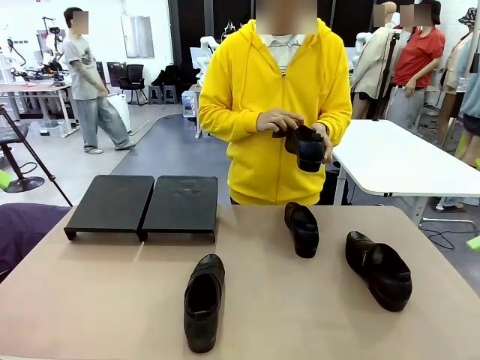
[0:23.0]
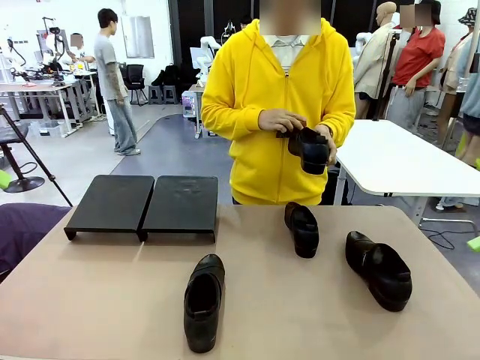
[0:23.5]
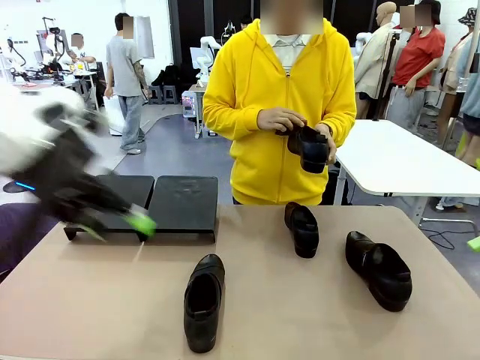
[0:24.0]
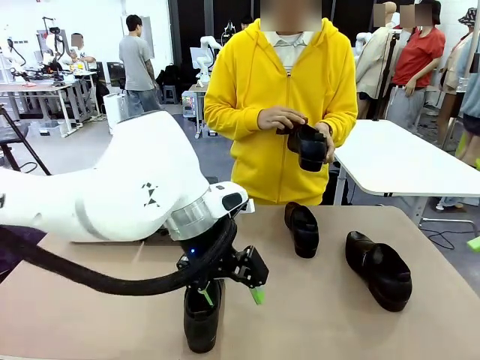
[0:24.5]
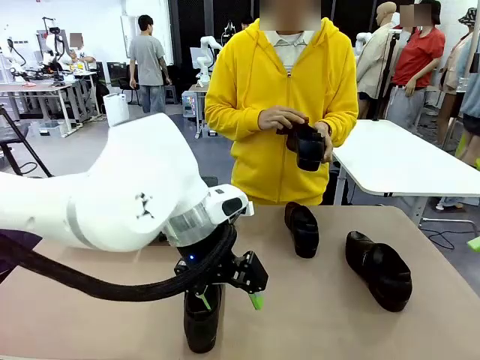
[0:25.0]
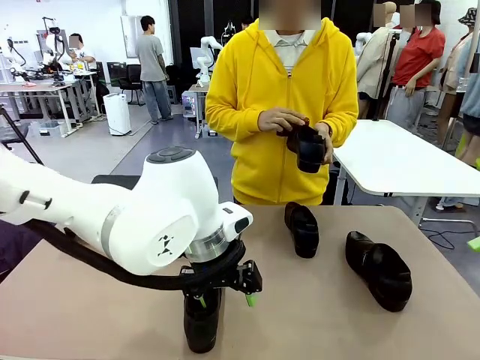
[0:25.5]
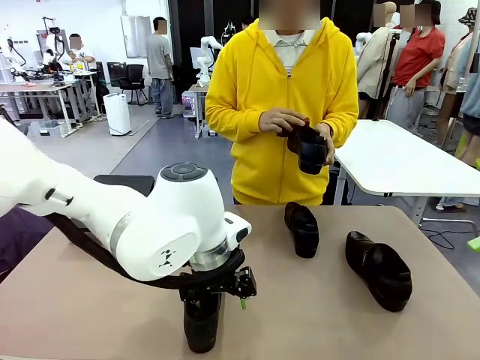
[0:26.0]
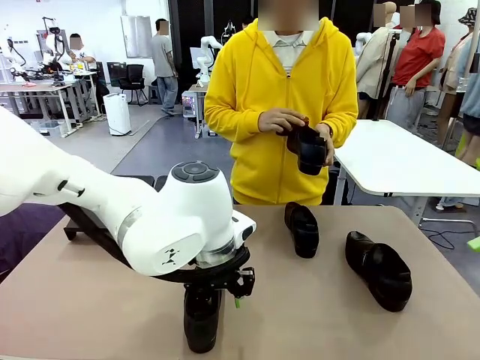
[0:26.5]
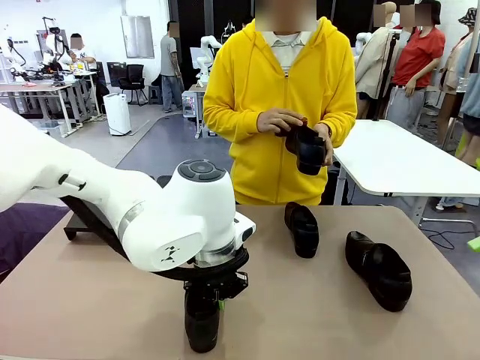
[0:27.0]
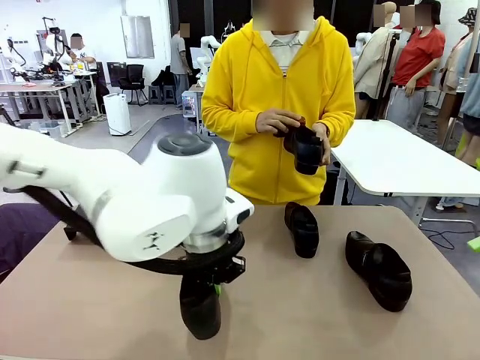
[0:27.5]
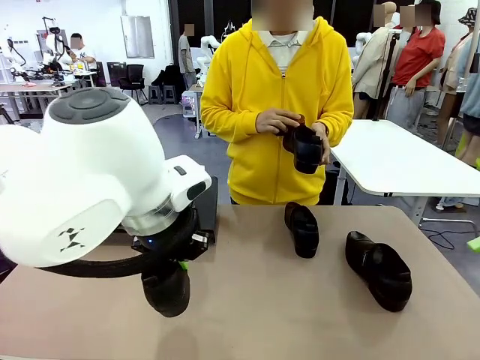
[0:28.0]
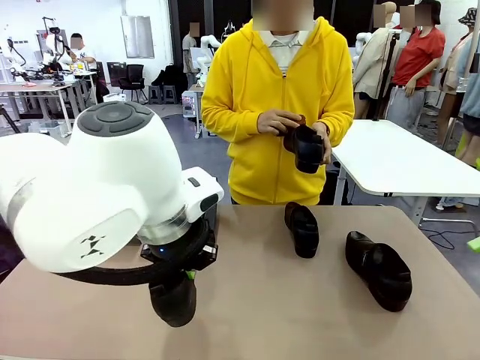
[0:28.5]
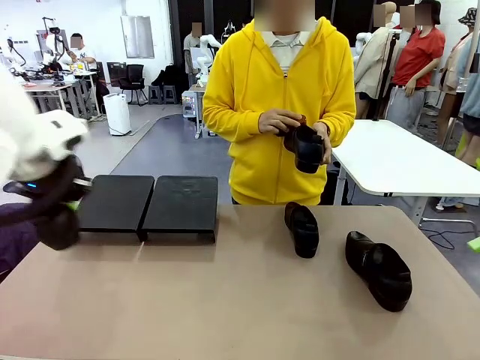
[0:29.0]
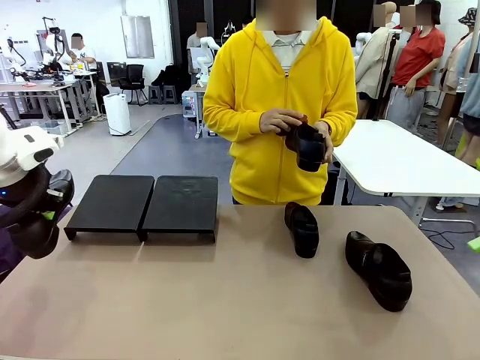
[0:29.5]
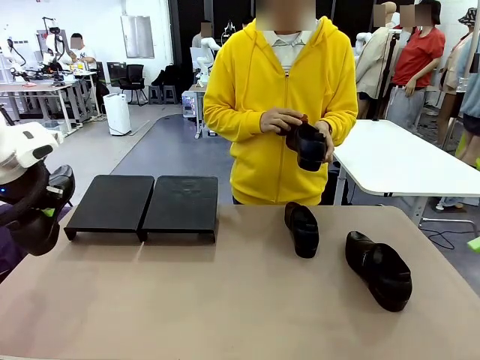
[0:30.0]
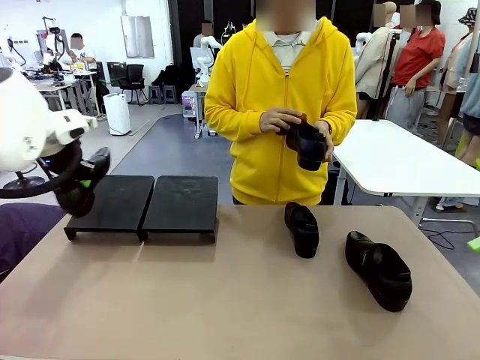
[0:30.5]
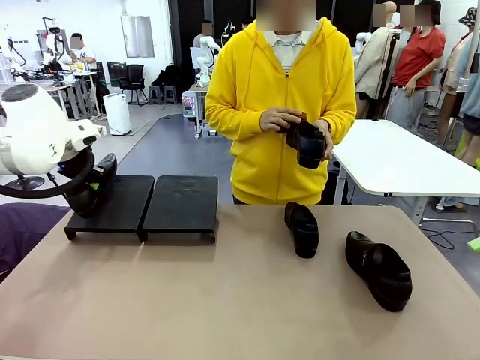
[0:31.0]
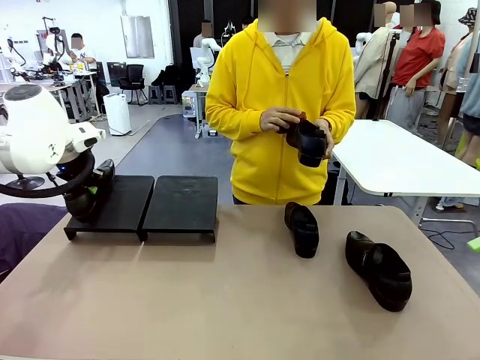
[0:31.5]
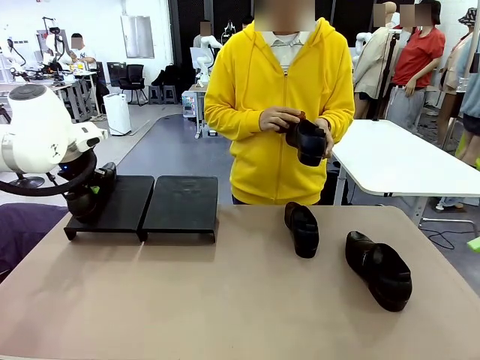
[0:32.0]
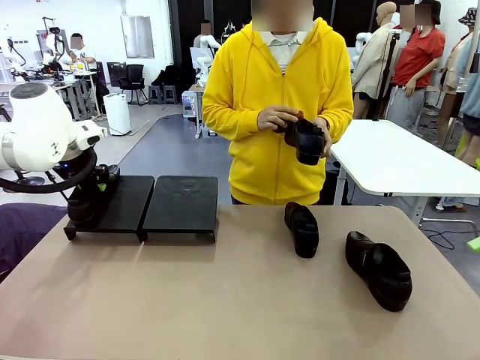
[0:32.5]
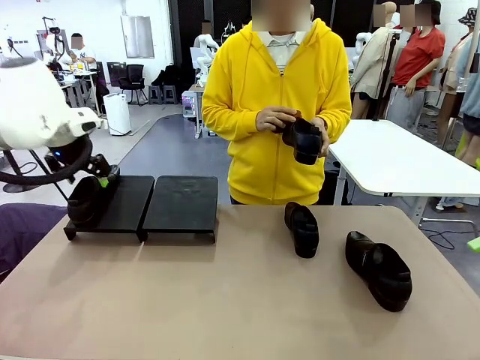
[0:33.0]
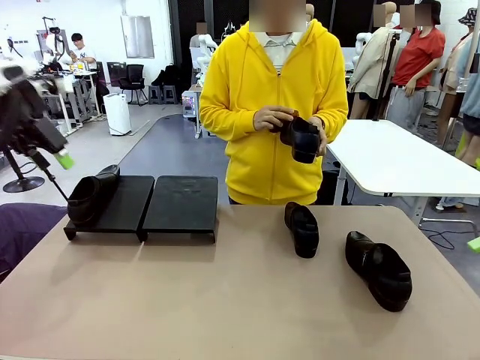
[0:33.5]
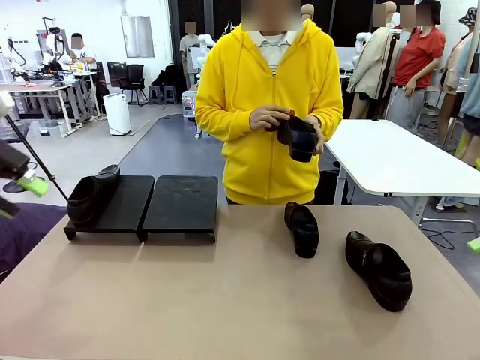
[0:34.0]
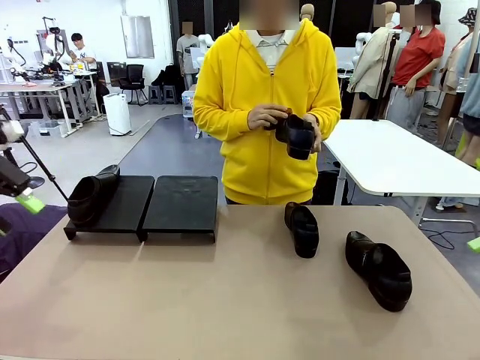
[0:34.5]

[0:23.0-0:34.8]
Task: Organize the shoes by placing them on the stand.
Robot: Place the Shoe from the middle of the table onto the Shoes Stand.
Person: Clean the Shoe with the Shoe Brush.

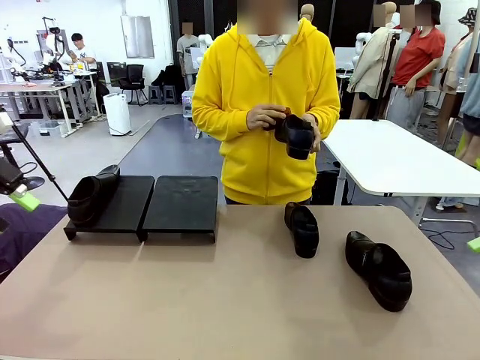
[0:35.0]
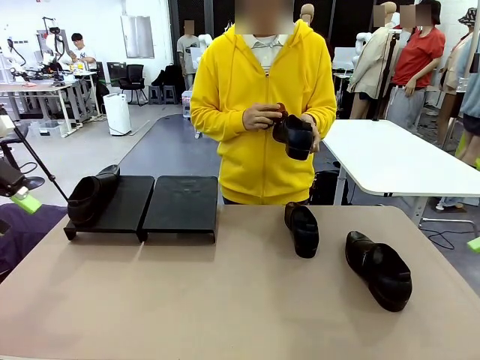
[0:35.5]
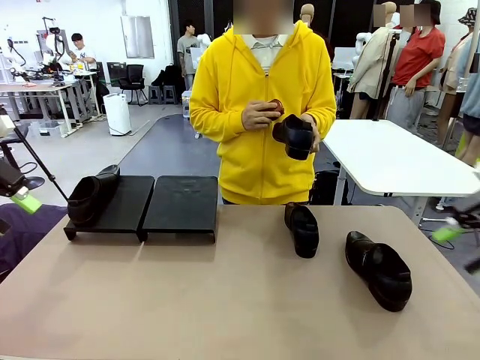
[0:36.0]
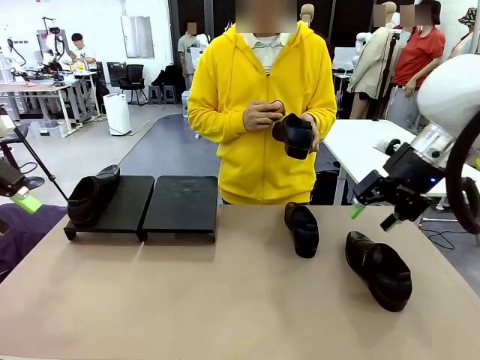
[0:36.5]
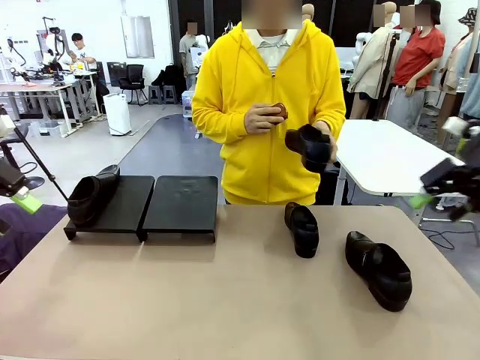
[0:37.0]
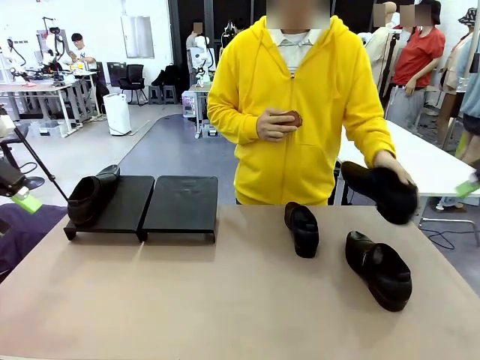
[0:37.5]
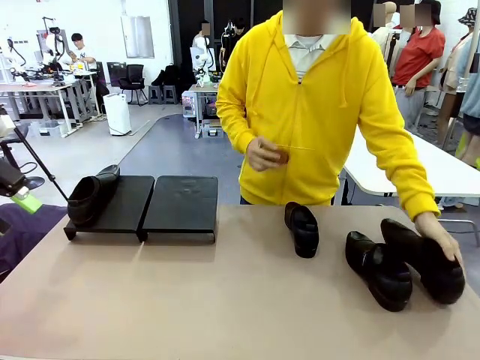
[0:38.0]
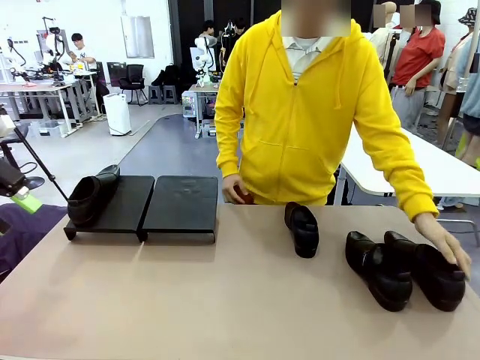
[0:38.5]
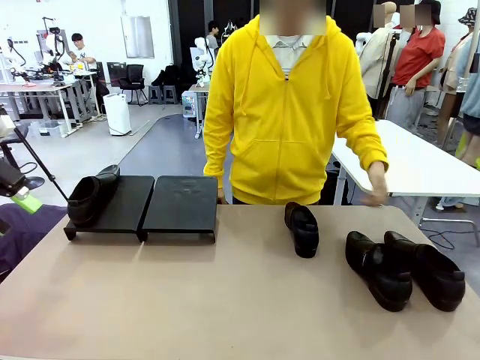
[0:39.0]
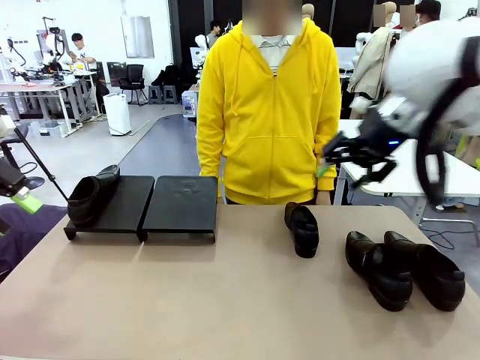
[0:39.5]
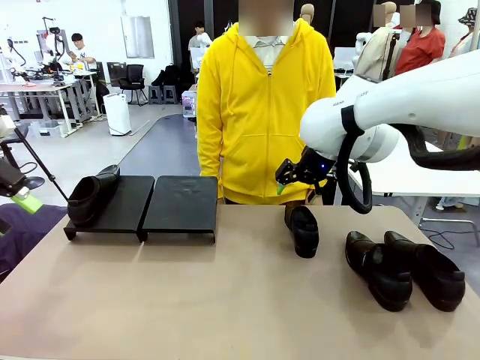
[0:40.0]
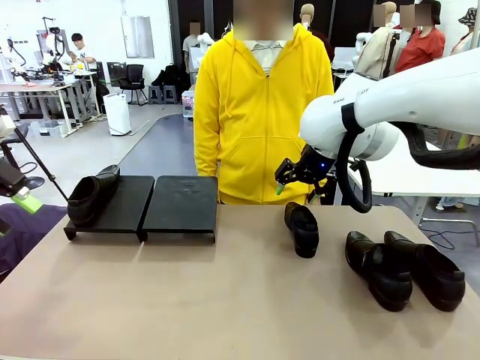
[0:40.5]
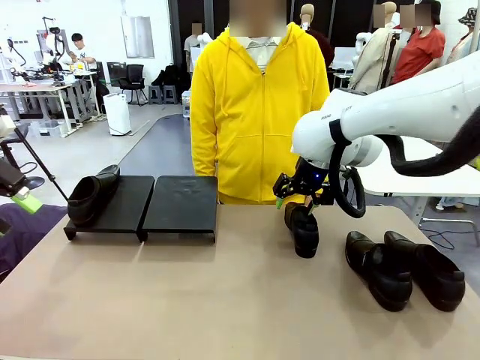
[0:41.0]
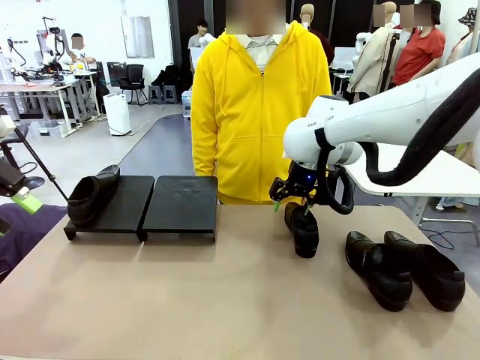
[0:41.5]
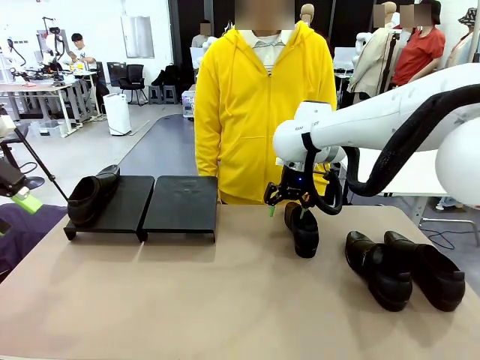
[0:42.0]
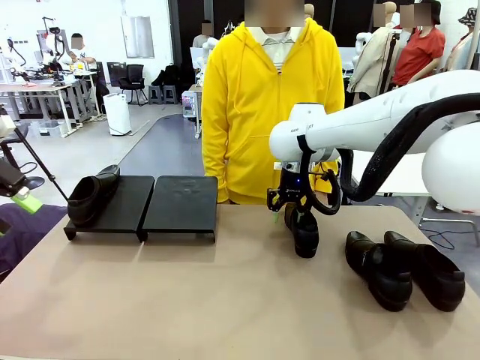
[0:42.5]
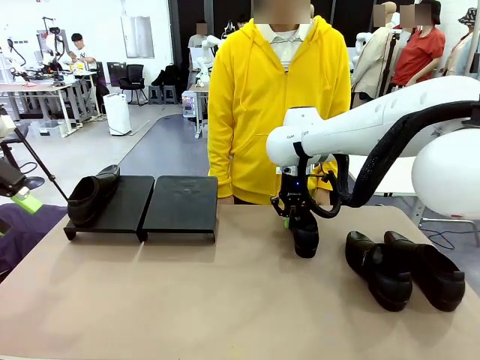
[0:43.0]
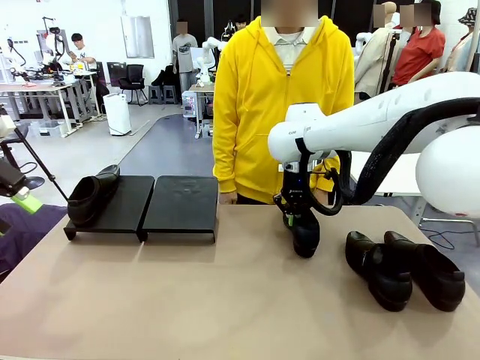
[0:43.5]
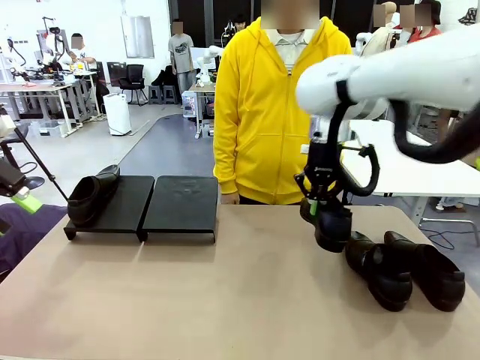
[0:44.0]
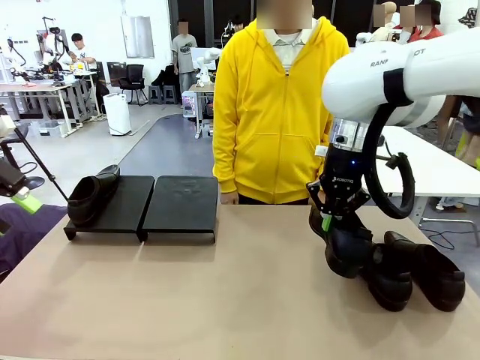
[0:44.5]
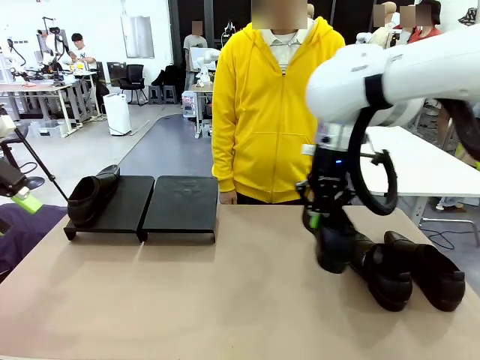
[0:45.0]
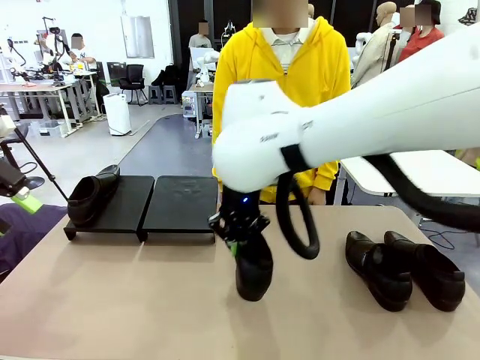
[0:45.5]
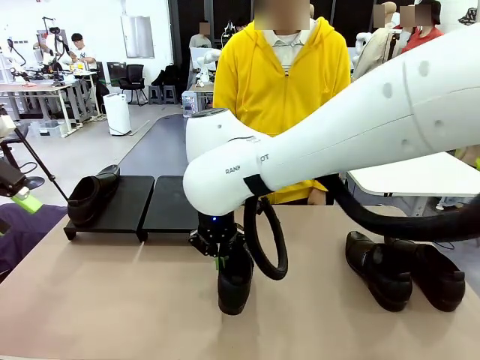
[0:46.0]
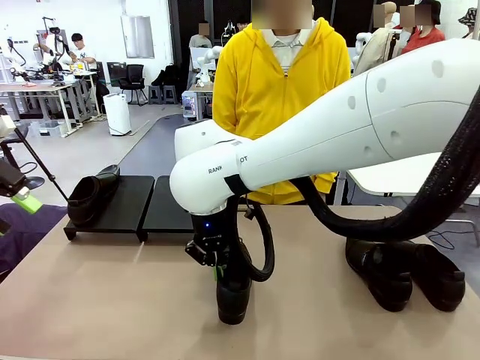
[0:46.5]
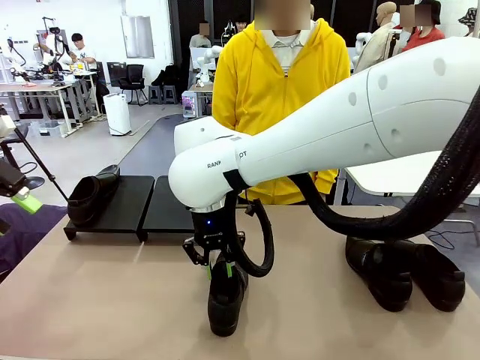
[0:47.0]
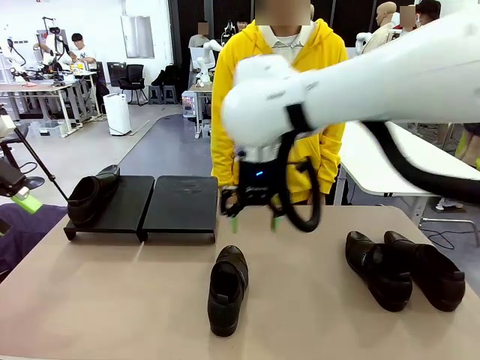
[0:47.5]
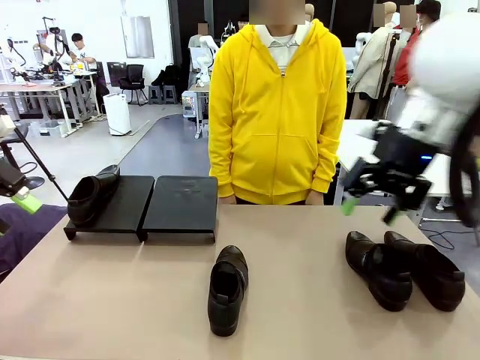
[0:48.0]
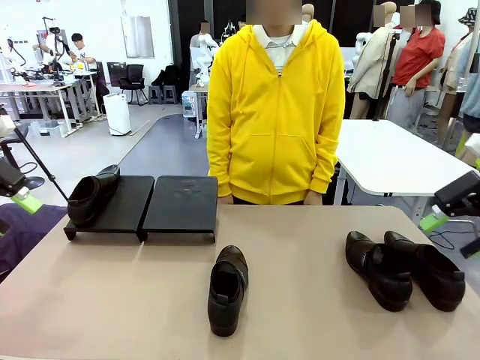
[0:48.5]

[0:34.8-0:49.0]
Robot: Pick up one Shoe and place it in the middle of the table.
